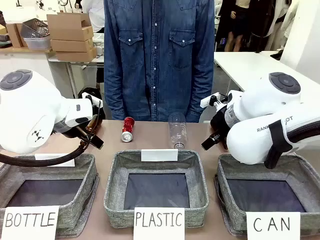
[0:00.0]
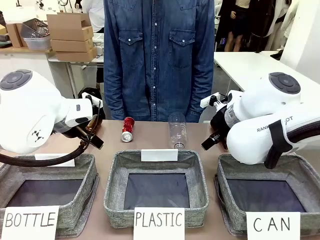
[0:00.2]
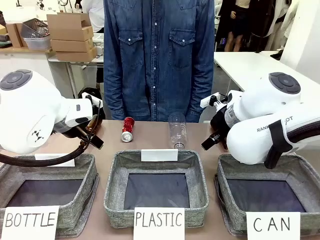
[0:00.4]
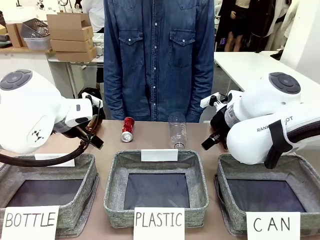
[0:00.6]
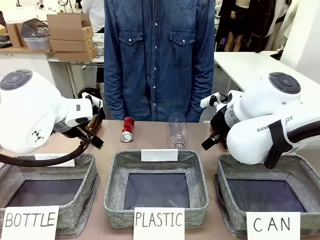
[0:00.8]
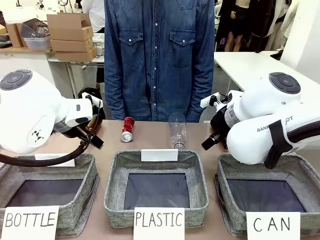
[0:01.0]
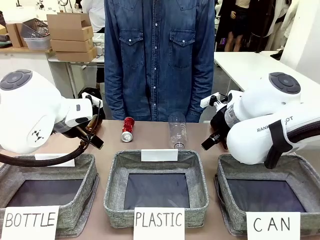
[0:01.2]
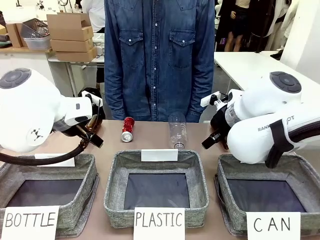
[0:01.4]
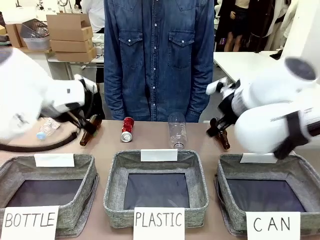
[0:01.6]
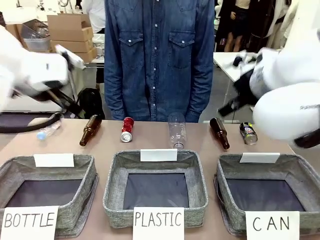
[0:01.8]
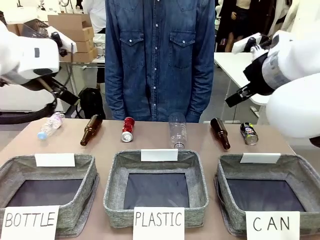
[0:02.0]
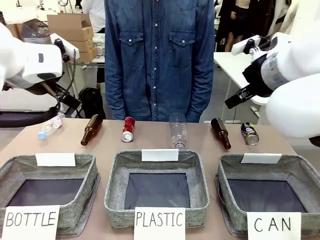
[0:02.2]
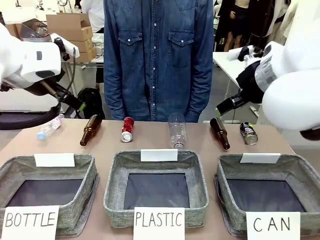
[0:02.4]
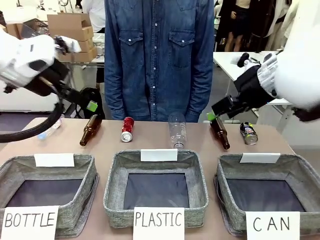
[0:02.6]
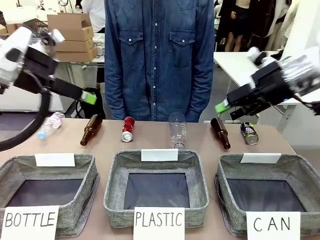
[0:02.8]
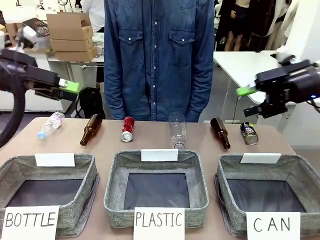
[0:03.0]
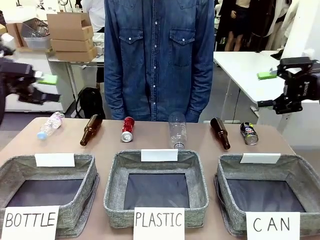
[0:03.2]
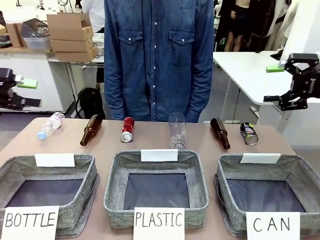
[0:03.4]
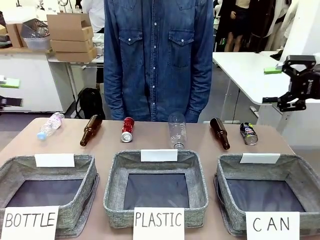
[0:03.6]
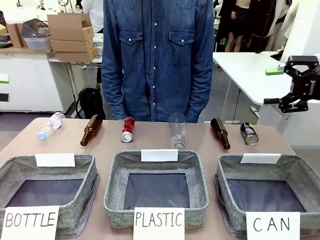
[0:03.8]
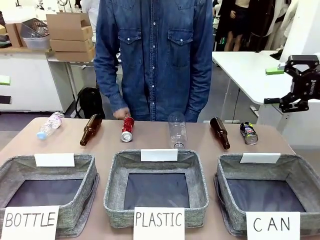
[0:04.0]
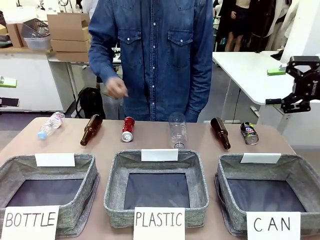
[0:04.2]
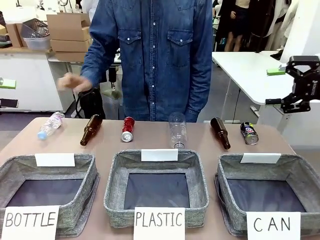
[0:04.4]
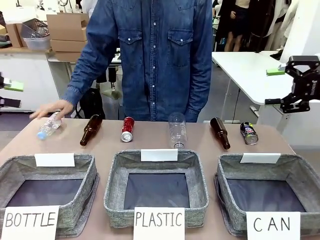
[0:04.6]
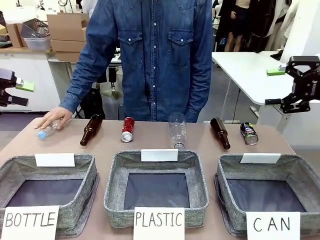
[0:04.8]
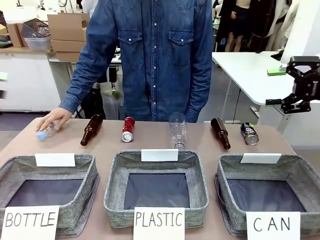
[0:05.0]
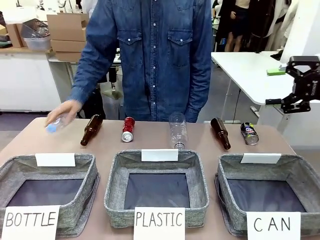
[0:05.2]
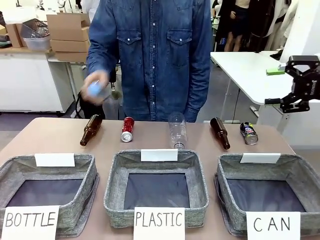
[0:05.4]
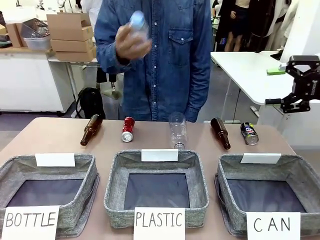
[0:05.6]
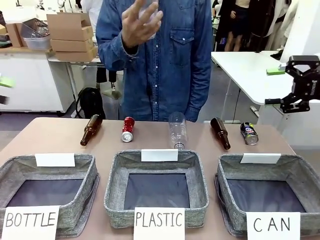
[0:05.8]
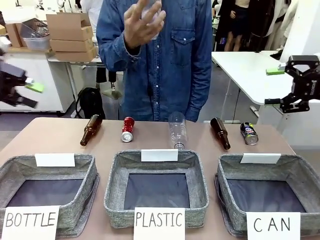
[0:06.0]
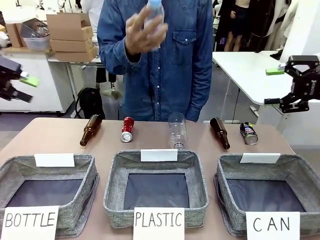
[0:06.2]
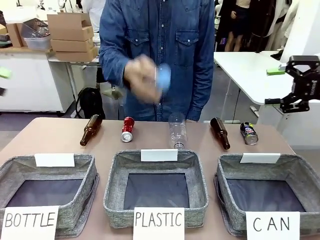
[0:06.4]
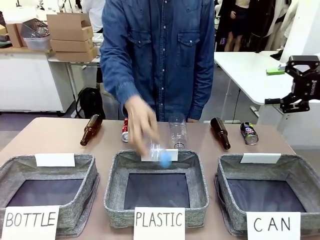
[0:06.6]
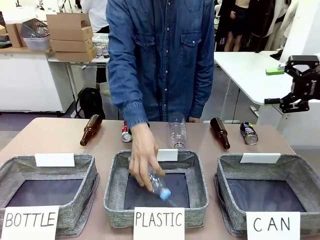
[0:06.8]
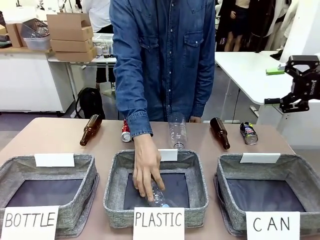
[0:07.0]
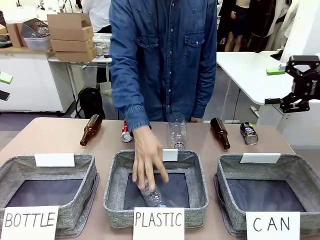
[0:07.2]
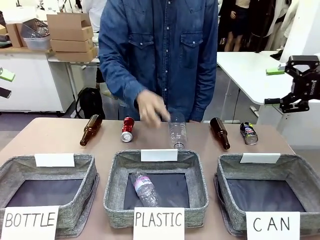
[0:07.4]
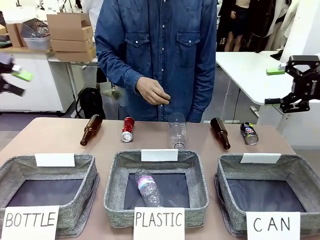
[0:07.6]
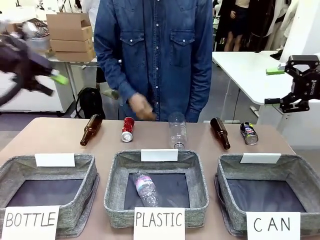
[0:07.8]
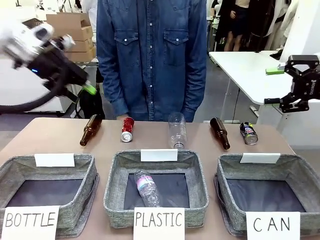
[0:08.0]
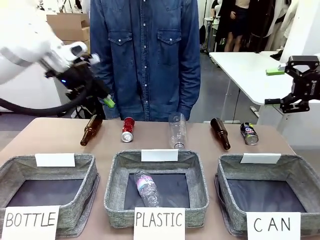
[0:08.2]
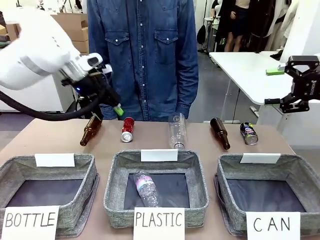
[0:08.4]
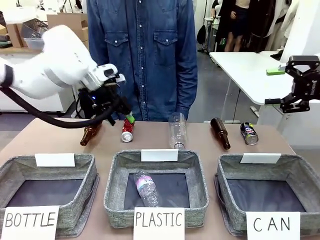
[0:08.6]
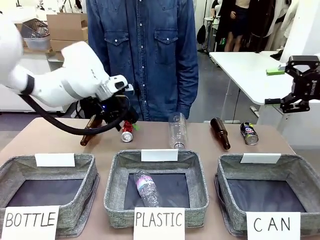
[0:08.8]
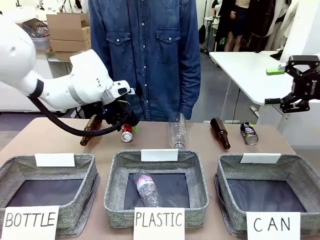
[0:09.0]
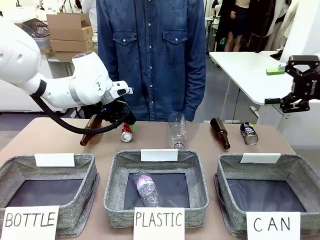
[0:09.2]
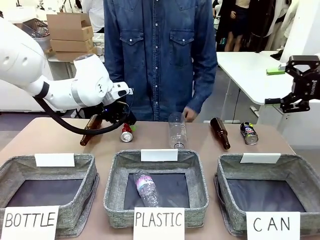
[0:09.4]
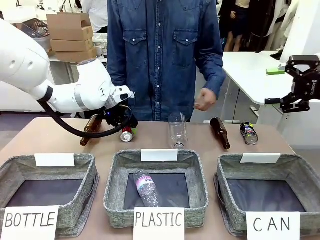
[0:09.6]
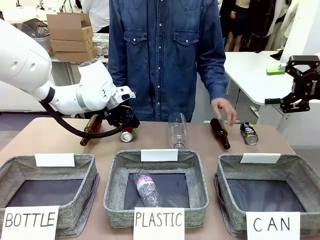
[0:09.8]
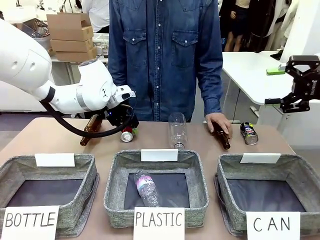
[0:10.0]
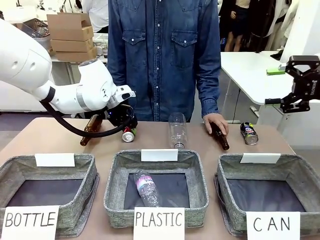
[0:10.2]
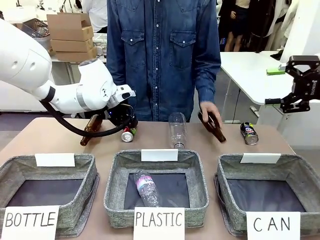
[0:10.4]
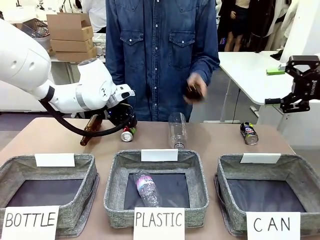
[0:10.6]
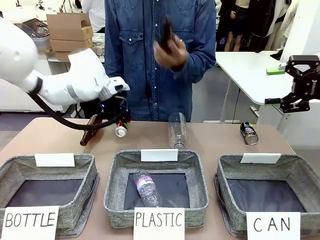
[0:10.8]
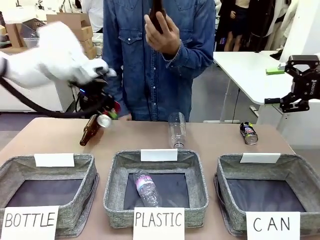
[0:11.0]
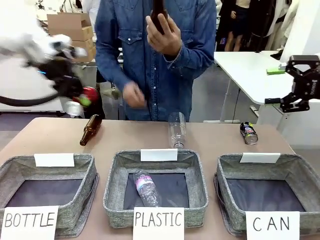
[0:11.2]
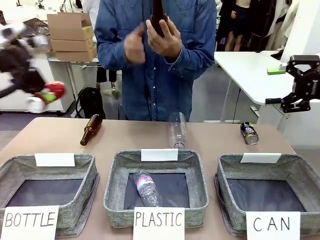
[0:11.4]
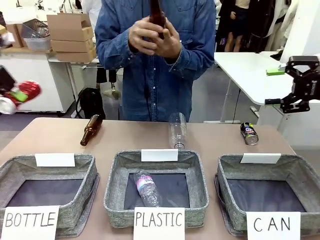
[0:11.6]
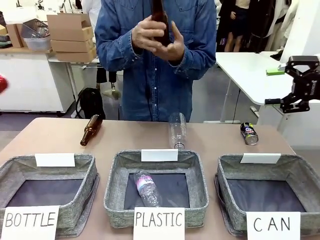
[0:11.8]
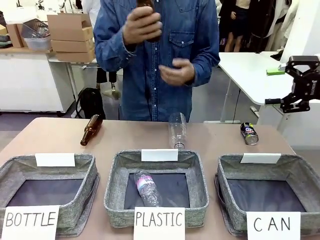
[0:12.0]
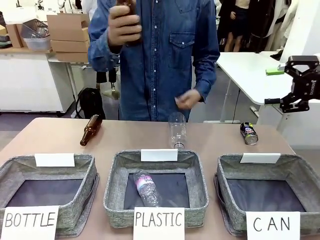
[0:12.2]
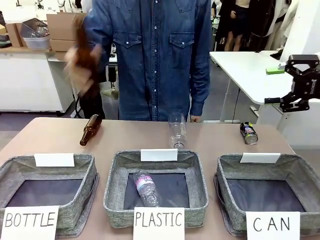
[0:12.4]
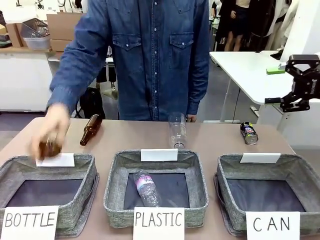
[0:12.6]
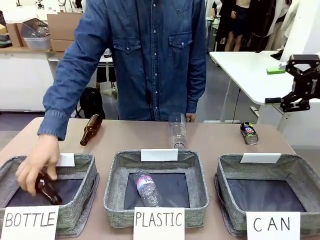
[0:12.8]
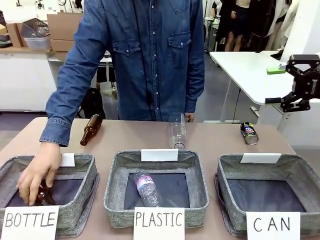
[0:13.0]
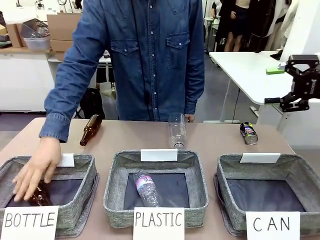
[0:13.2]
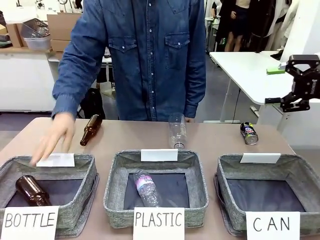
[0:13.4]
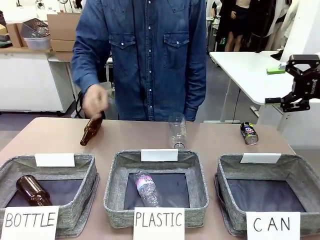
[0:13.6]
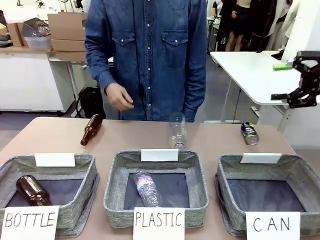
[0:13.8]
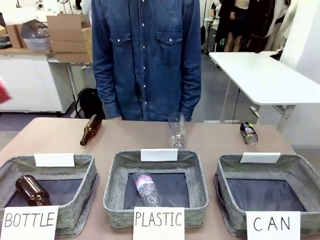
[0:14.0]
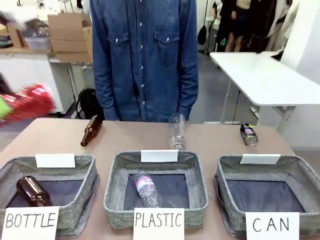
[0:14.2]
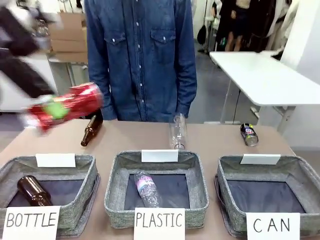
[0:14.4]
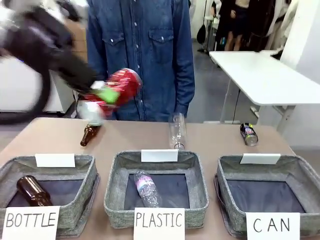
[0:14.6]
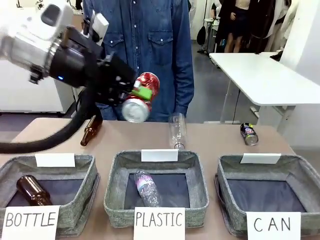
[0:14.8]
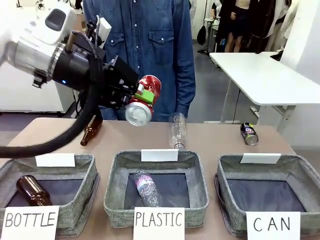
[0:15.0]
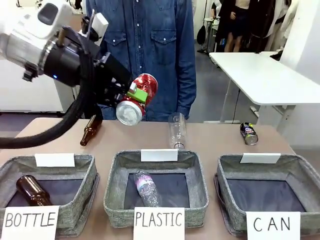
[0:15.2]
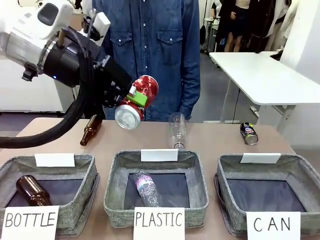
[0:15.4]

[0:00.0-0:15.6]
Task: Sort the can waste into the basket.
Robot: Pick up the can waste from the table and place it in the right Fabric basket.
